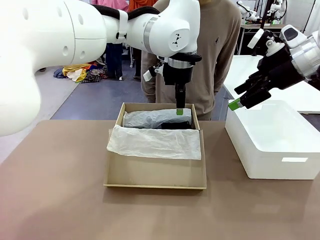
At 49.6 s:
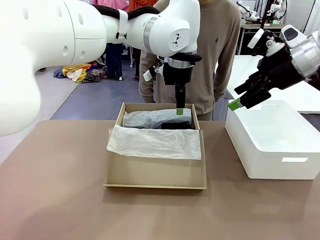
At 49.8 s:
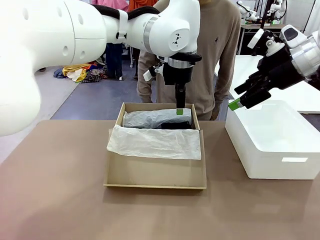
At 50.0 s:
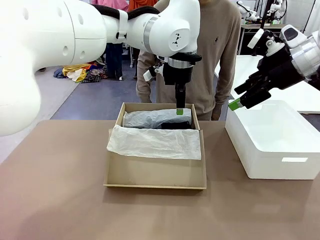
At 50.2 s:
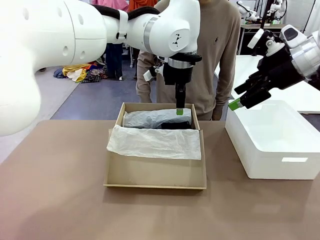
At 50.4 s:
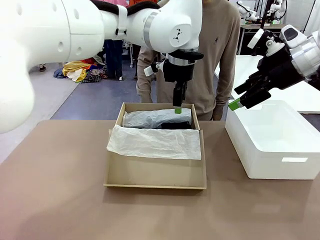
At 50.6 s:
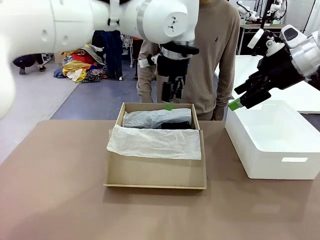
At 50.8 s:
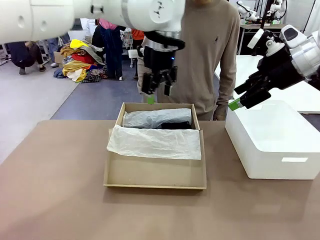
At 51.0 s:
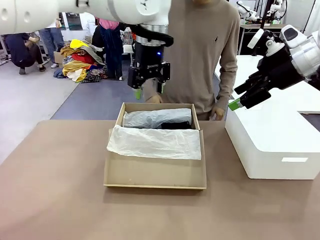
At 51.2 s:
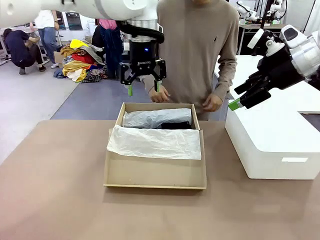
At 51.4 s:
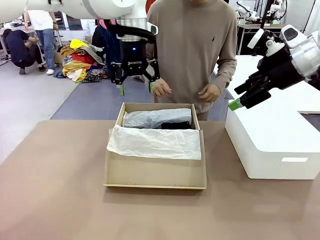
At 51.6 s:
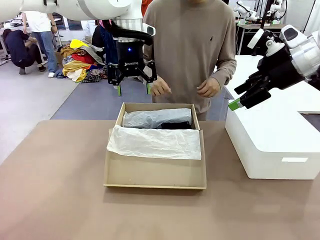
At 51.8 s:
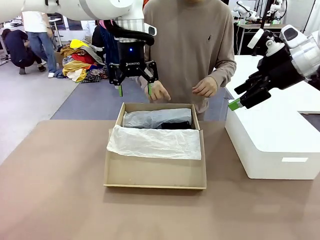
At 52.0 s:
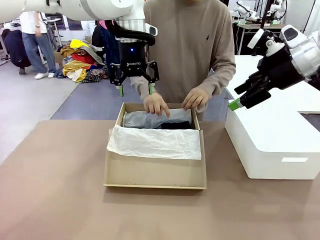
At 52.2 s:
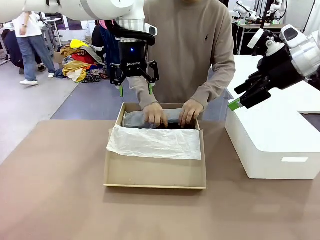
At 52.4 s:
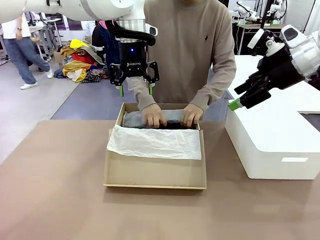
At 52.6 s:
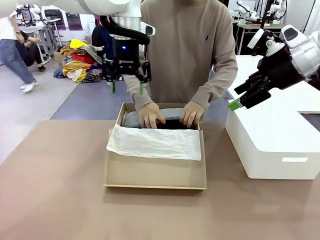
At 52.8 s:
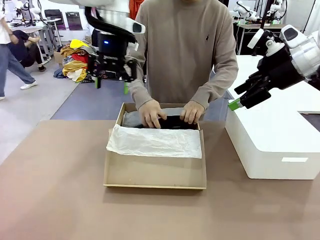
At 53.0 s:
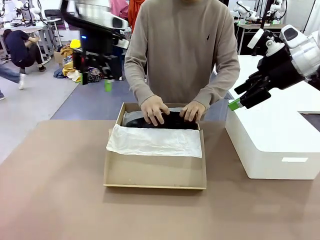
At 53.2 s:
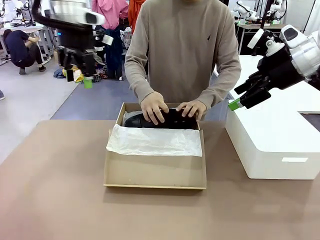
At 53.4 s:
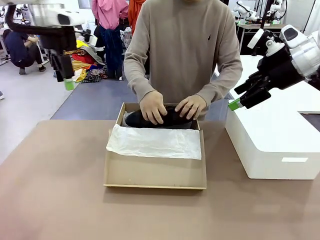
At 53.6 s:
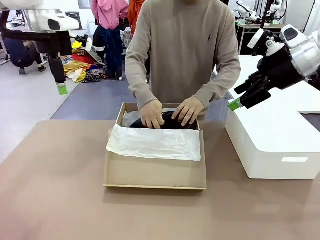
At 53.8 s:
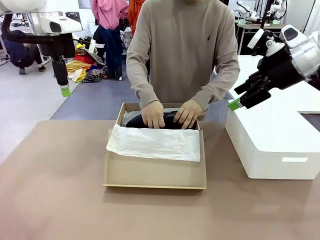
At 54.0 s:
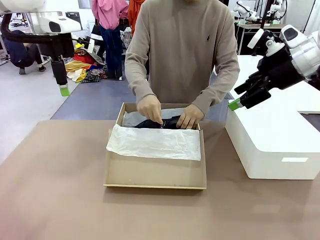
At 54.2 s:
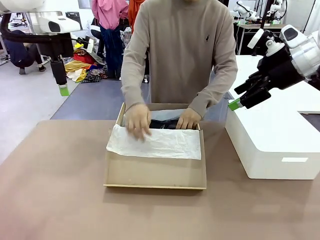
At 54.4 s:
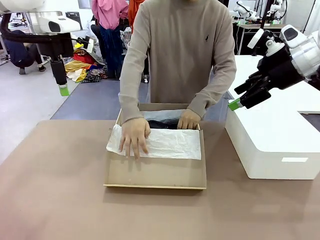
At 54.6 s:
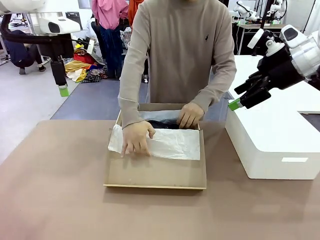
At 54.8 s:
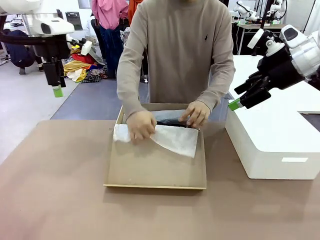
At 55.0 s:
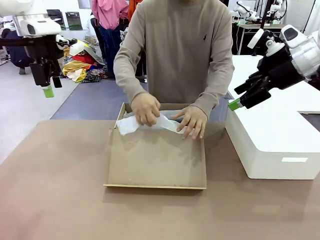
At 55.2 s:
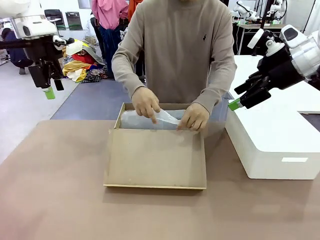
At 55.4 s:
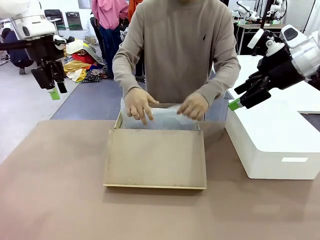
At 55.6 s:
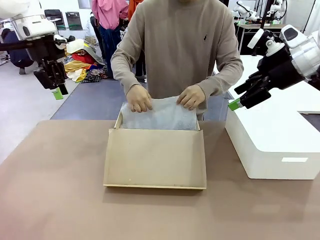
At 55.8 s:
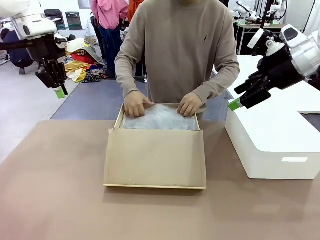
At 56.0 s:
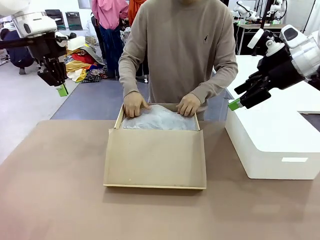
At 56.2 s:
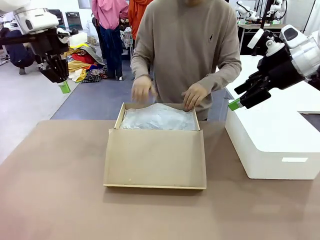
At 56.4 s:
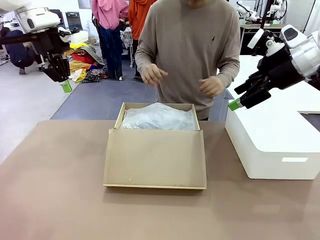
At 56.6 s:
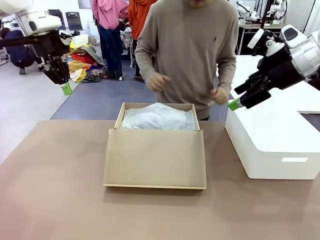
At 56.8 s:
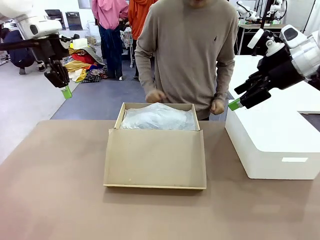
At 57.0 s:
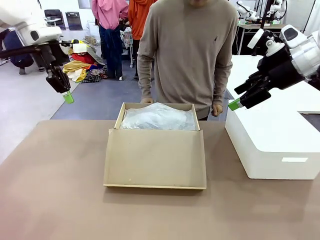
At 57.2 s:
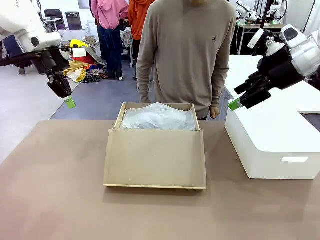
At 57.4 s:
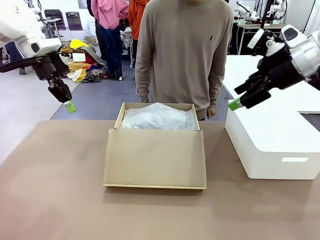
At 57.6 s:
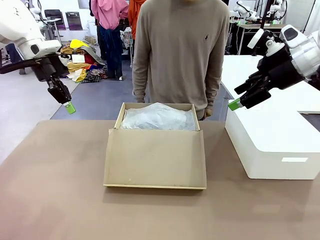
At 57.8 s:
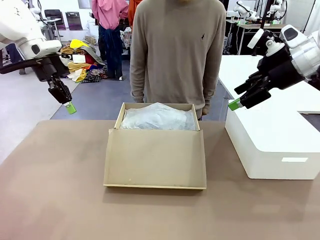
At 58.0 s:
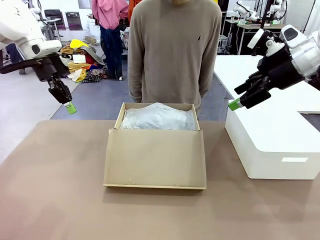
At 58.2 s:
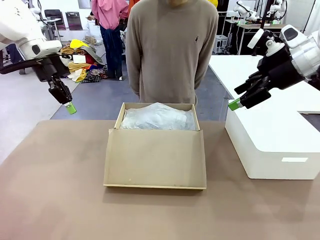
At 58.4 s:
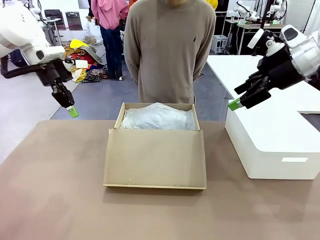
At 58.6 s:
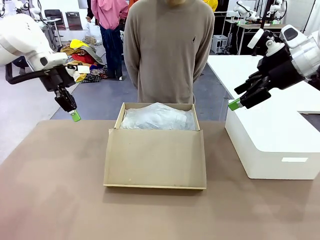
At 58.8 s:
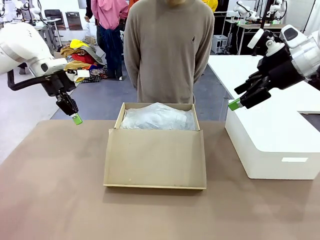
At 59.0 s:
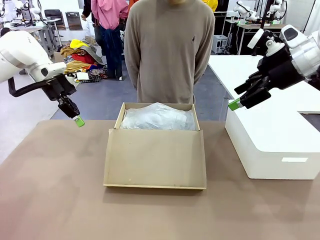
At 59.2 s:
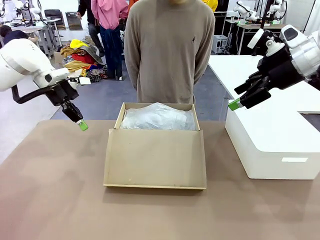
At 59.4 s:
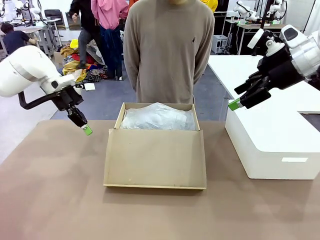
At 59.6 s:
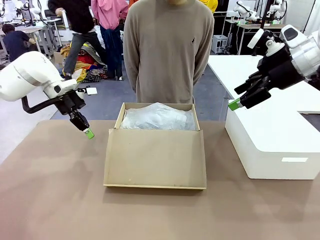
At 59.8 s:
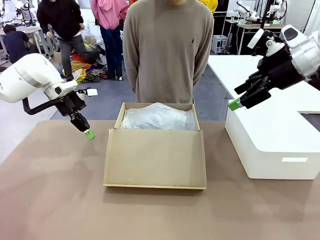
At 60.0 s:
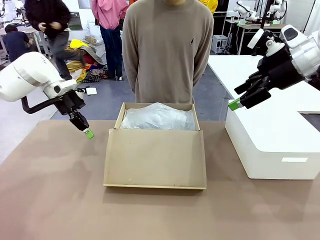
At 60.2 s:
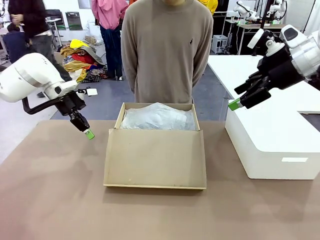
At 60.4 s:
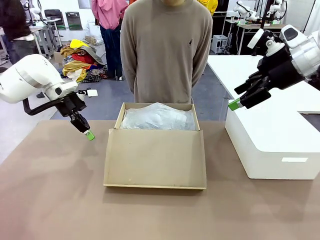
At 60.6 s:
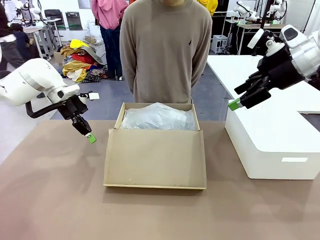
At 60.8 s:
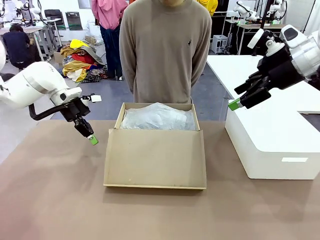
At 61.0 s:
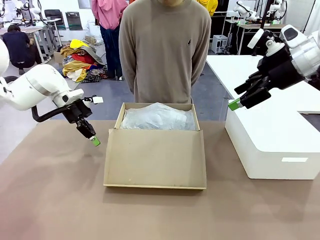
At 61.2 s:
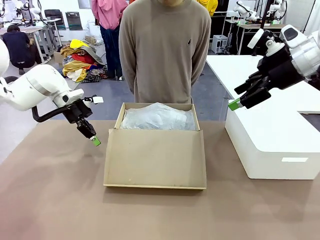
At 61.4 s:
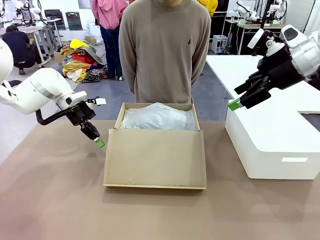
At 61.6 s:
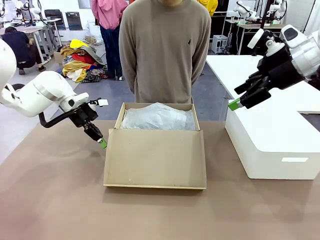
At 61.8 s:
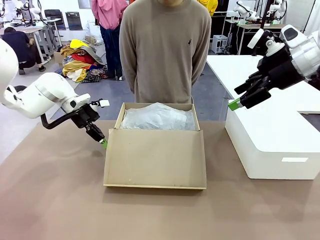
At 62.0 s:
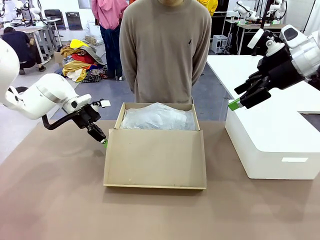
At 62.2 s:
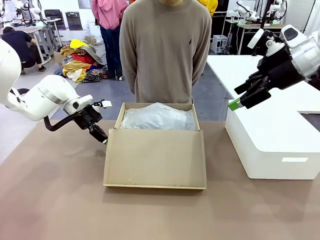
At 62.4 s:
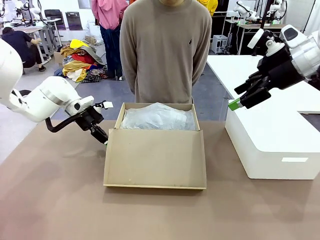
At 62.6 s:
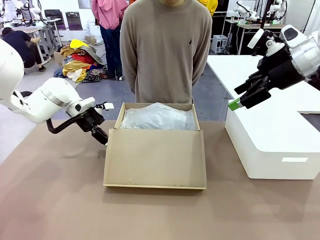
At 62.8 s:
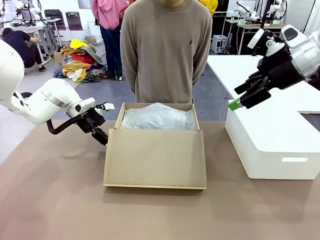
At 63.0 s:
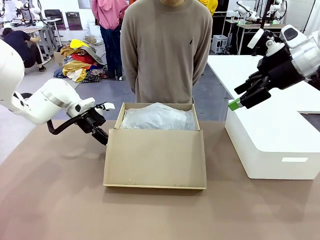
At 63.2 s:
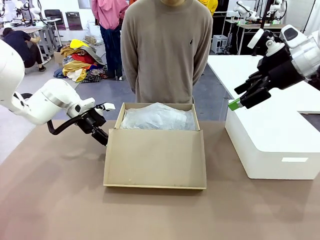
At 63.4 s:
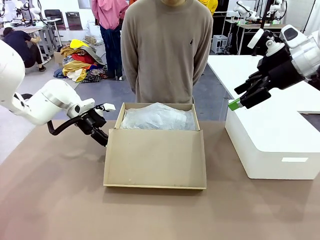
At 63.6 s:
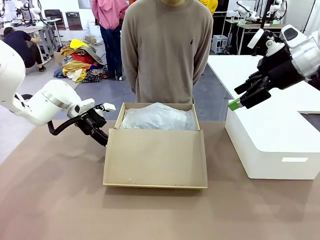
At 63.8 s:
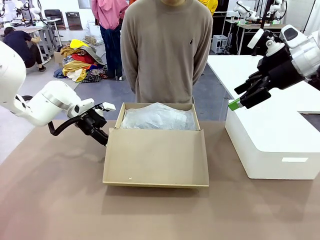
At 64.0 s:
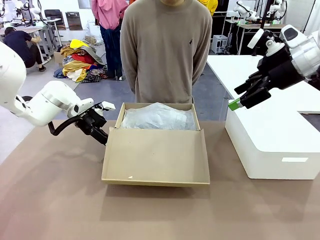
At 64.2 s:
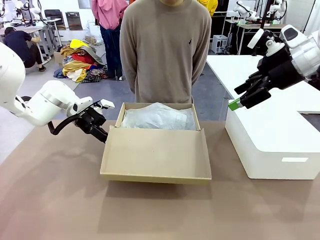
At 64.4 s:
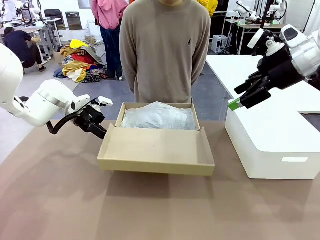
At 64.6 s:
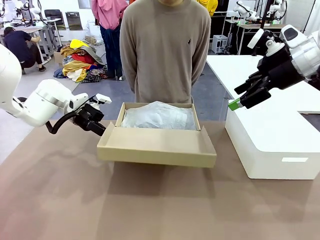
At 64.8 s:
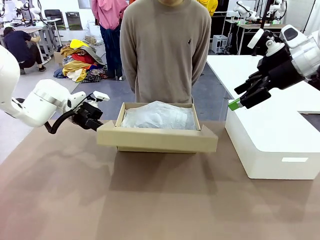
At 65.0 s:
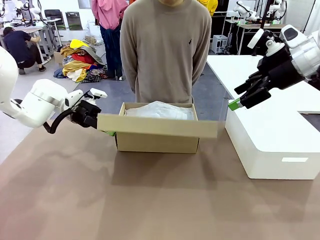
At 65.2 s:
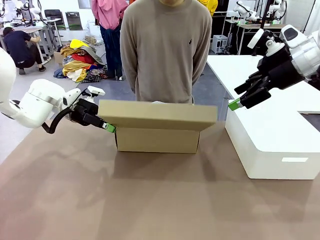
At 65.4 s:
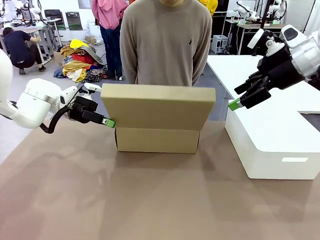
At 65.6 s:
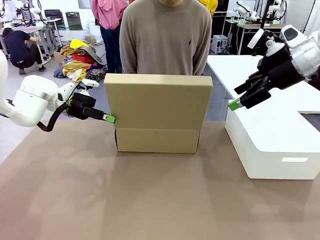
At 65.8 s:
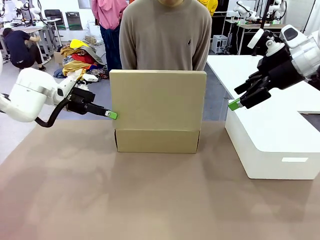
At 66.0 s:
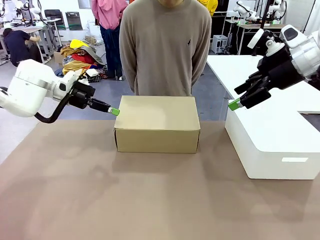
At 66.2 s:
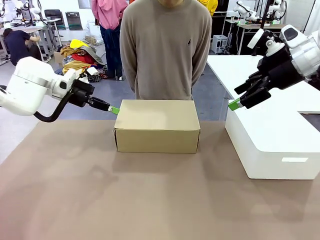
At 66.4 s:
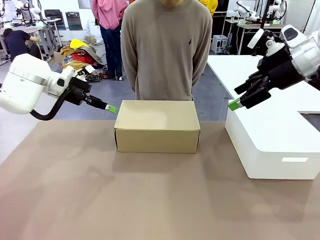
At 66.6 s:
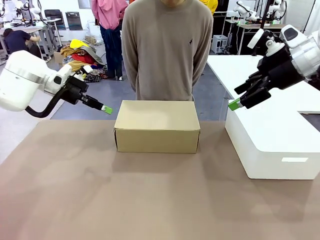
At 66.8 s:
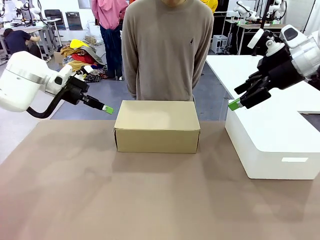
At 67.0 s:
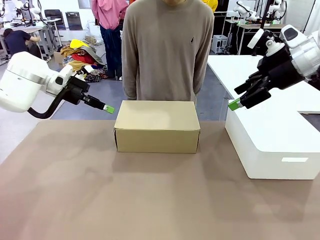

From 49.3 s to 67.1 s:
Task: Pack the shoes into the box.
Robot: Close the Shoes Box.

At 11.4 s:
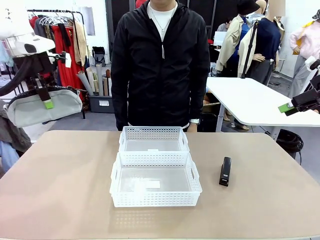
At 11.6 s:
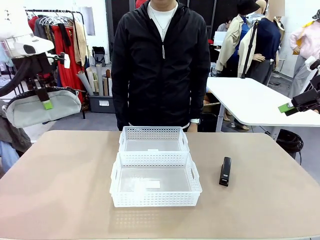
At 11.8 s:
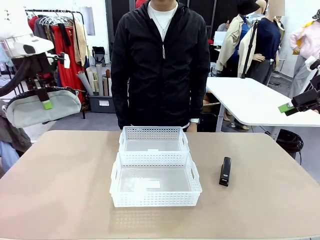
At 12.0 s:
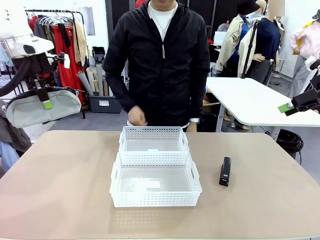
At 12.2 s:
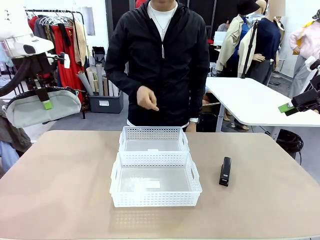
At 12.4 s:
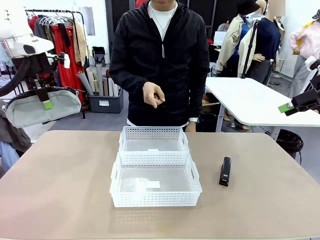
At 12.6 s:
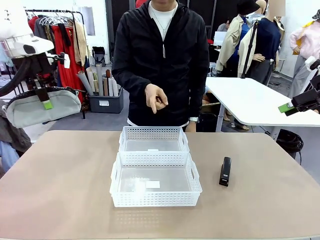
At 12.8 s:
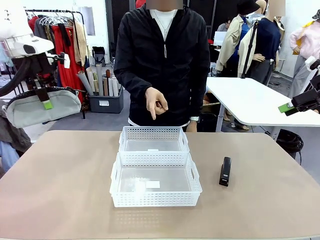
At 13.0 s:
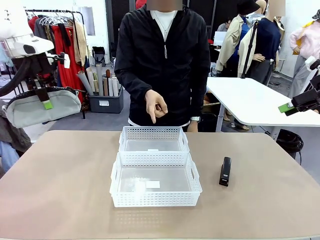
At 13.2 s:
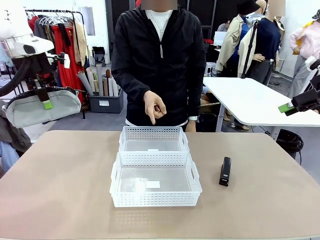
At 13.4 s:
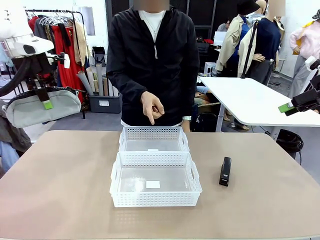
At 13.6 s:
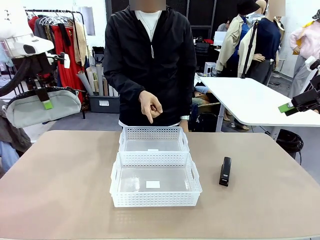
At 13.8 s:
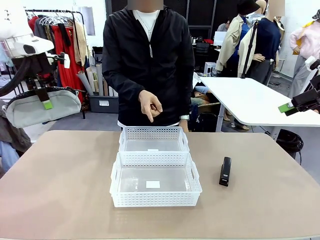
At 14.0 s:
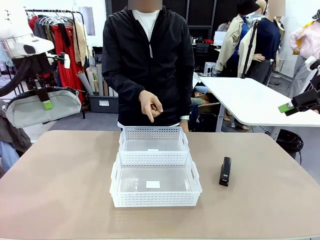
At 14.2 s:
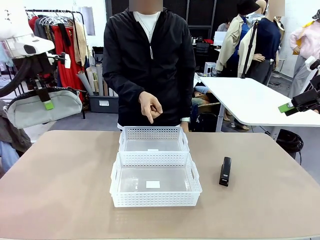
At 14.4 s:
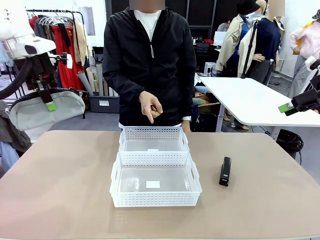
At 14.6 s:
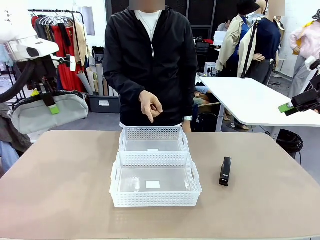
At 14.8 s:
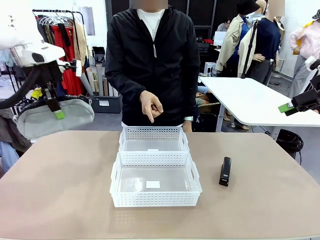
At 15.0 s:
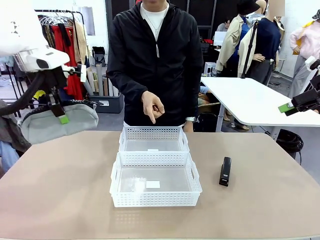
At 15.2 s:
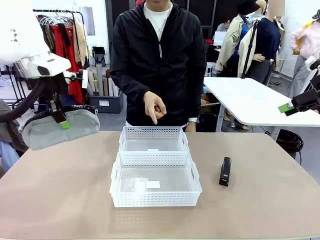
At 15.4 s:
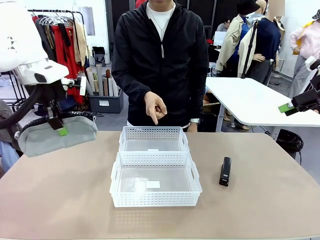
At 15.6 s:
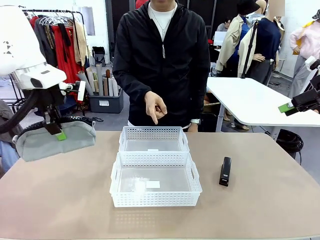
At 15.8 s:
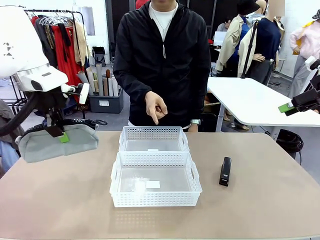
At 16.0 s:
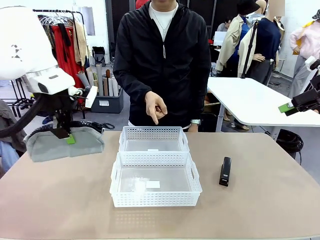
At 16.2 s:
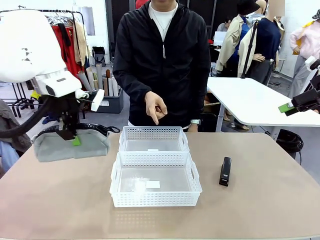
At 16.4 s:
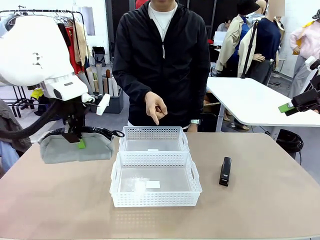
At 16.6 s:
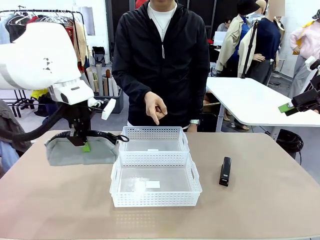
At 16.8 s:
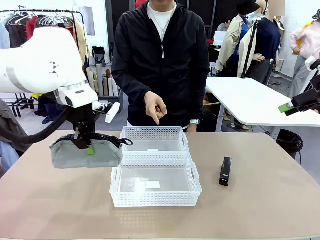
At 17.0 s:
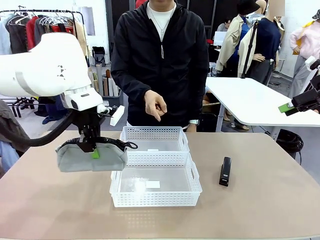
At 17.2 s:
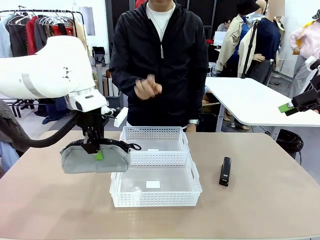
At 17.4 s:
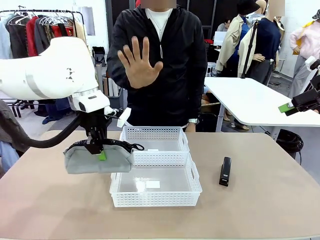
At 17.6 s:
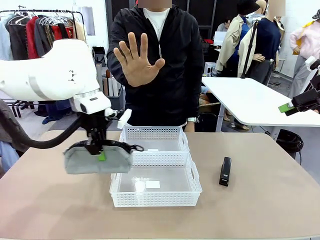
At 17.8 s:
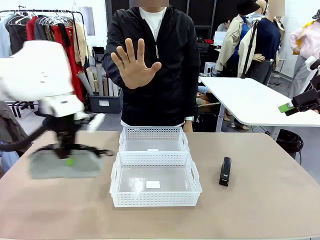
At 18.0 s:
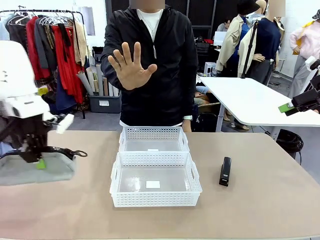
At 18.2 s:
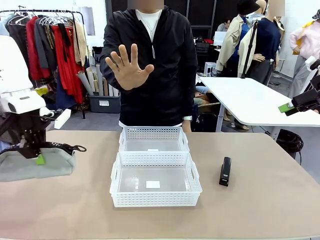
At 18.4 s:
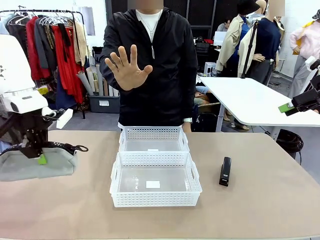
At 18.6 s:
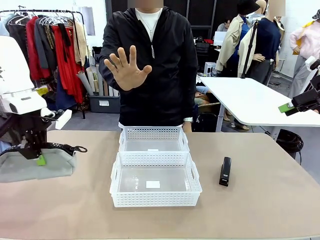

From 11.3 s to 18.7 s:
Task: Distribute items into two baskets.
Robot: Move the picked Pencil pouch towards the Organizing basket indicated by the person, stopping as directed.
Person: Sends a stop gesture before the robot places the pencil case into the basket.
